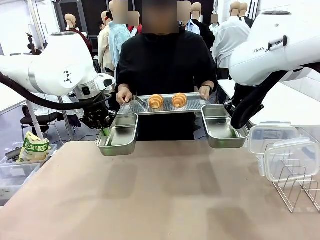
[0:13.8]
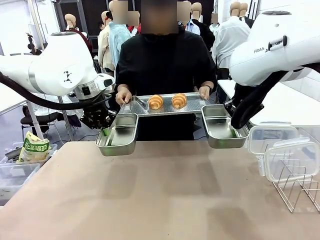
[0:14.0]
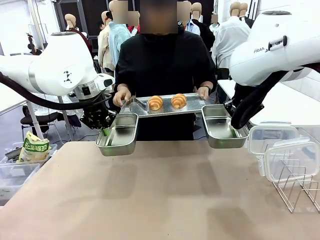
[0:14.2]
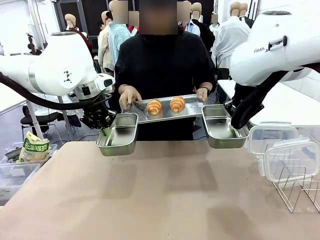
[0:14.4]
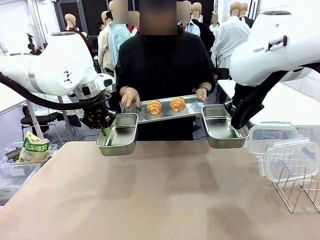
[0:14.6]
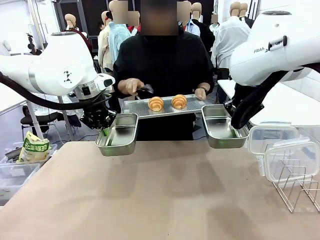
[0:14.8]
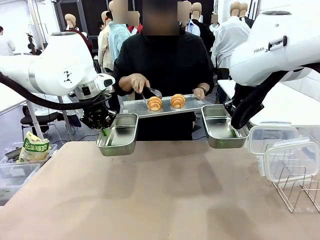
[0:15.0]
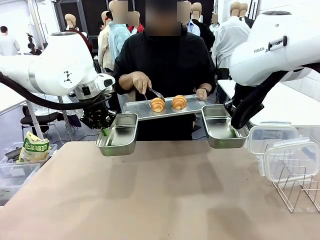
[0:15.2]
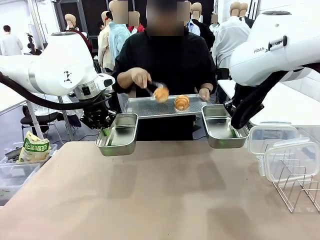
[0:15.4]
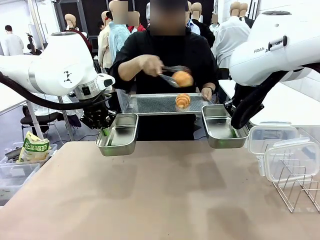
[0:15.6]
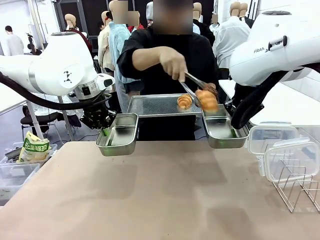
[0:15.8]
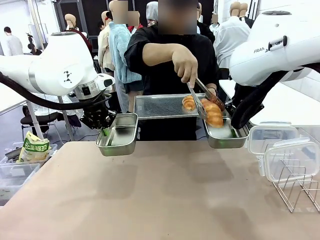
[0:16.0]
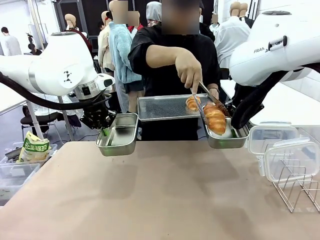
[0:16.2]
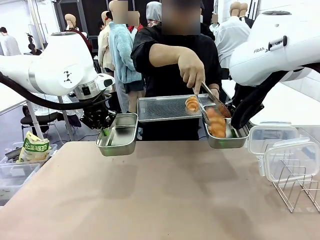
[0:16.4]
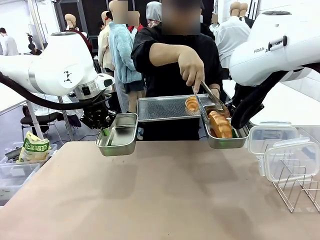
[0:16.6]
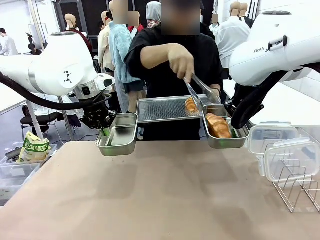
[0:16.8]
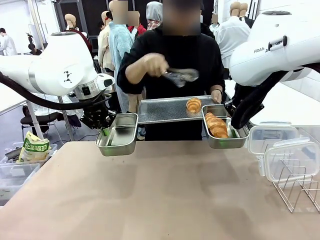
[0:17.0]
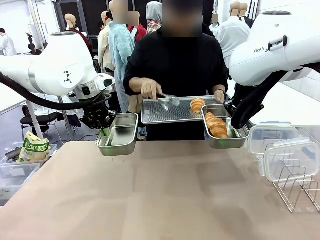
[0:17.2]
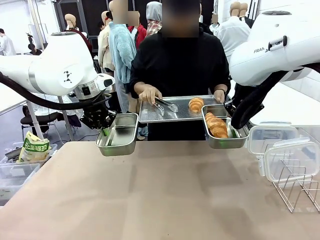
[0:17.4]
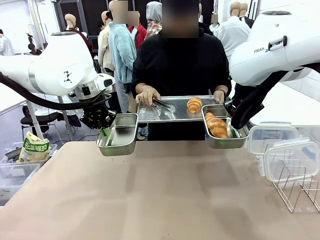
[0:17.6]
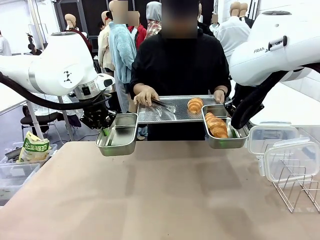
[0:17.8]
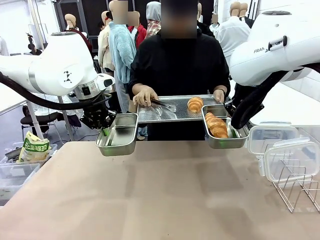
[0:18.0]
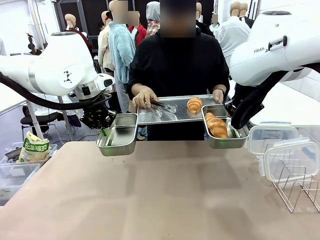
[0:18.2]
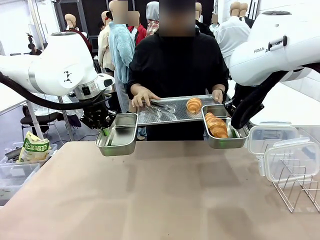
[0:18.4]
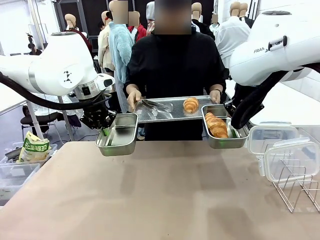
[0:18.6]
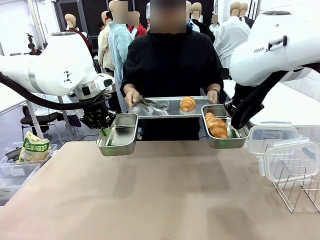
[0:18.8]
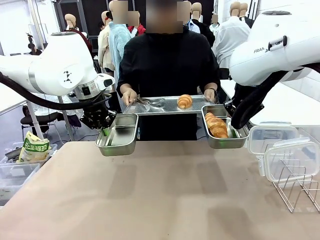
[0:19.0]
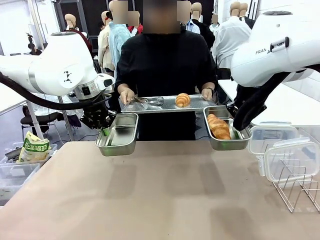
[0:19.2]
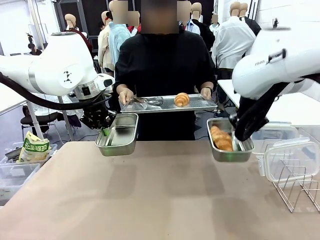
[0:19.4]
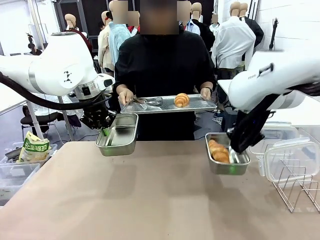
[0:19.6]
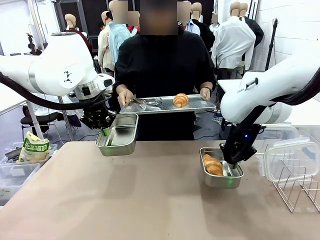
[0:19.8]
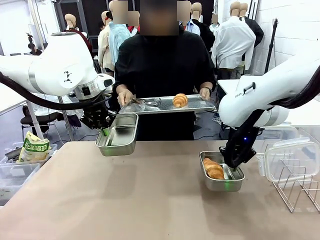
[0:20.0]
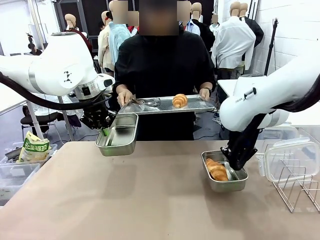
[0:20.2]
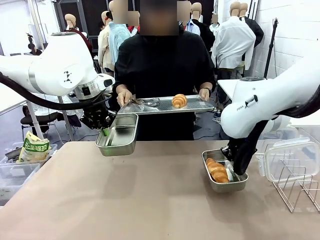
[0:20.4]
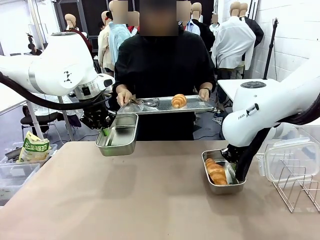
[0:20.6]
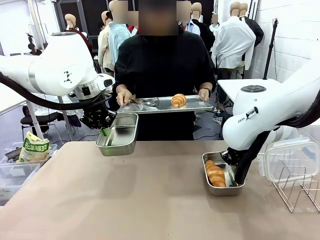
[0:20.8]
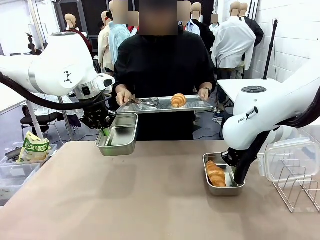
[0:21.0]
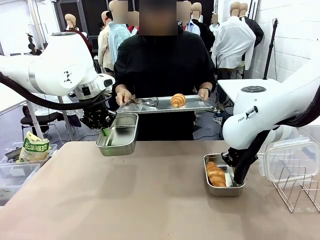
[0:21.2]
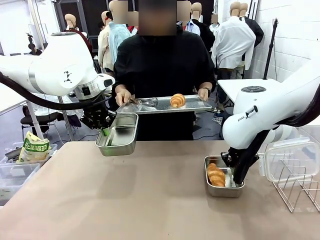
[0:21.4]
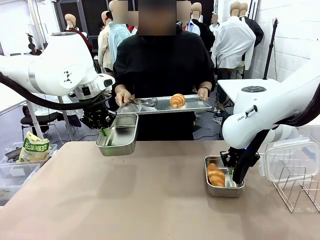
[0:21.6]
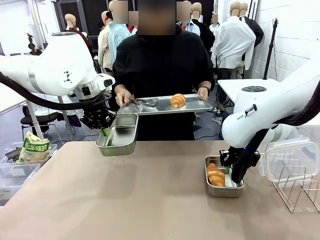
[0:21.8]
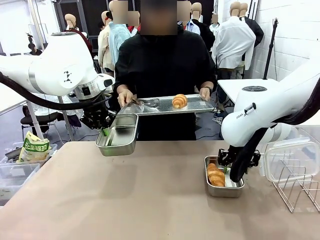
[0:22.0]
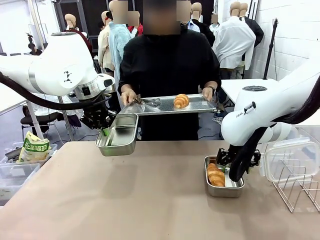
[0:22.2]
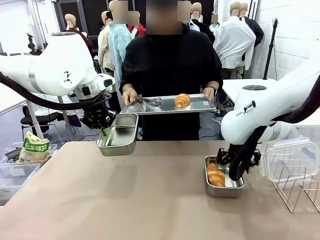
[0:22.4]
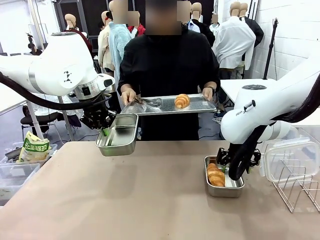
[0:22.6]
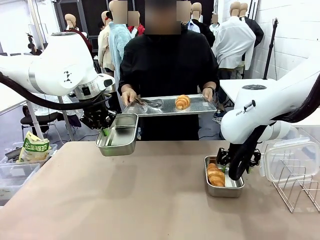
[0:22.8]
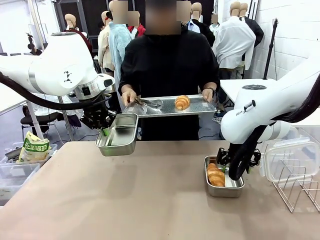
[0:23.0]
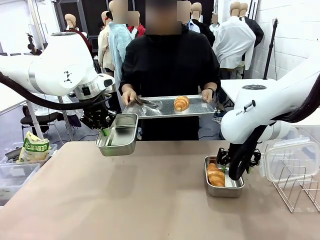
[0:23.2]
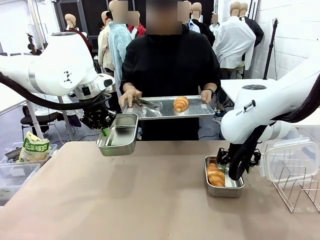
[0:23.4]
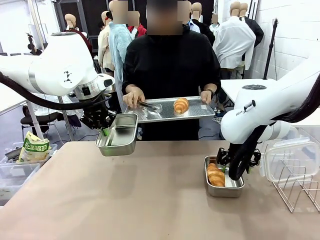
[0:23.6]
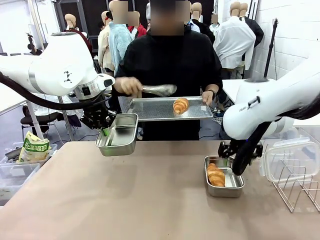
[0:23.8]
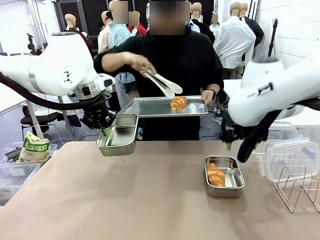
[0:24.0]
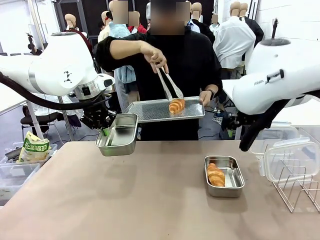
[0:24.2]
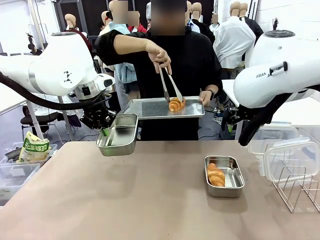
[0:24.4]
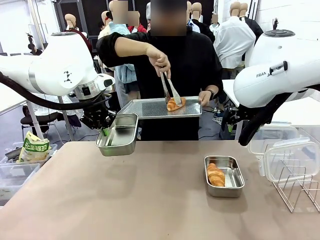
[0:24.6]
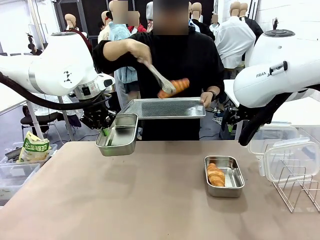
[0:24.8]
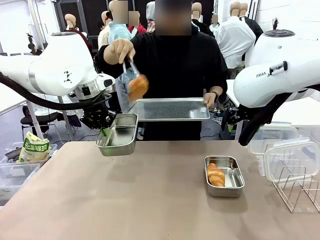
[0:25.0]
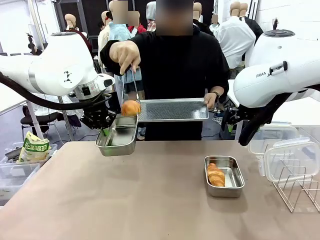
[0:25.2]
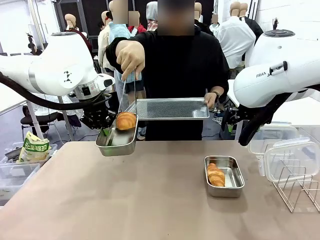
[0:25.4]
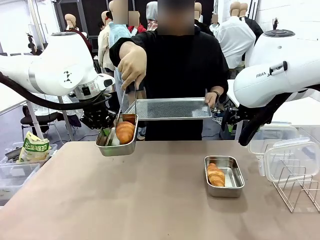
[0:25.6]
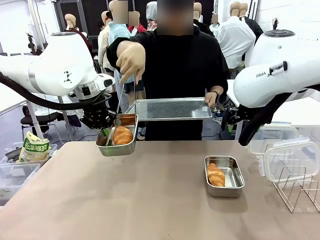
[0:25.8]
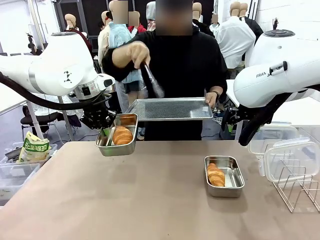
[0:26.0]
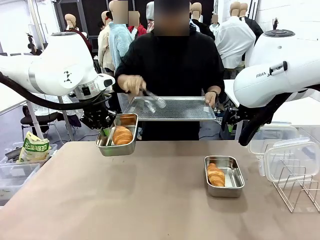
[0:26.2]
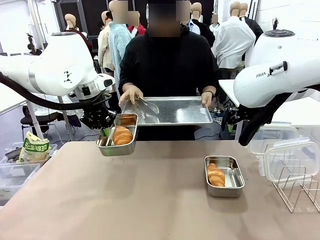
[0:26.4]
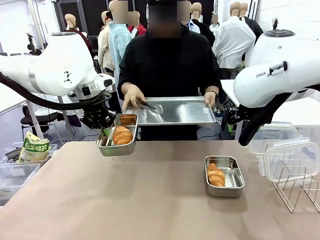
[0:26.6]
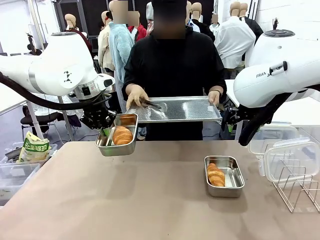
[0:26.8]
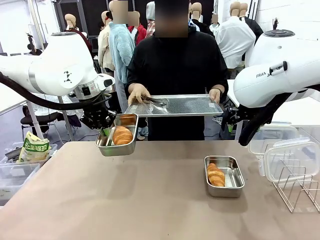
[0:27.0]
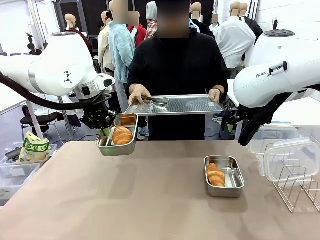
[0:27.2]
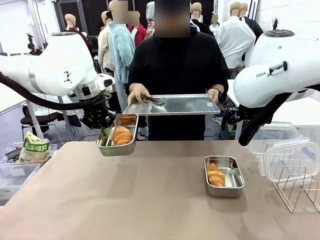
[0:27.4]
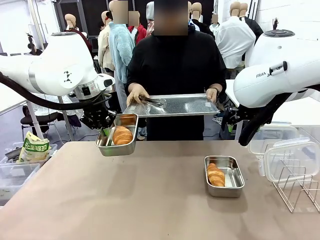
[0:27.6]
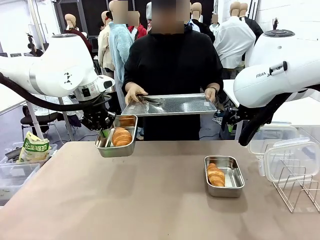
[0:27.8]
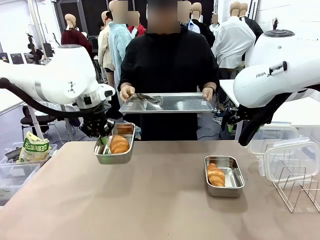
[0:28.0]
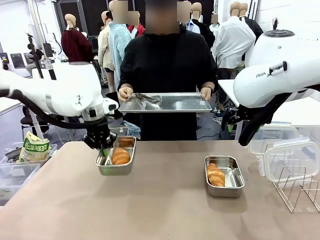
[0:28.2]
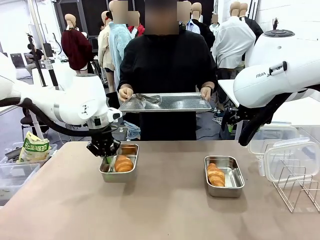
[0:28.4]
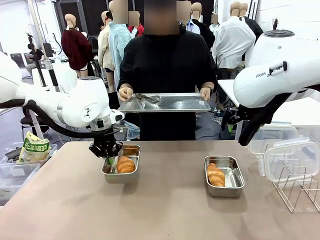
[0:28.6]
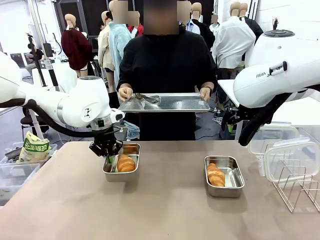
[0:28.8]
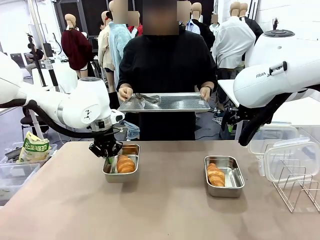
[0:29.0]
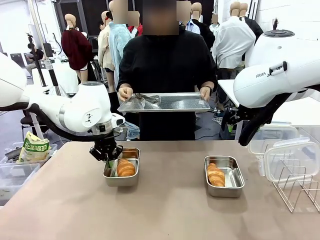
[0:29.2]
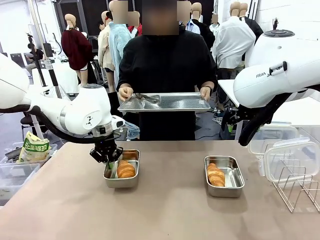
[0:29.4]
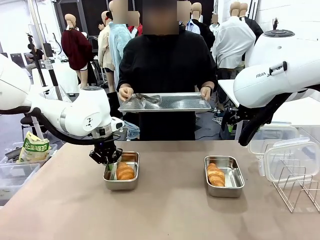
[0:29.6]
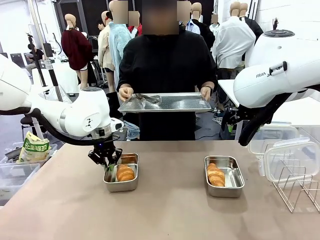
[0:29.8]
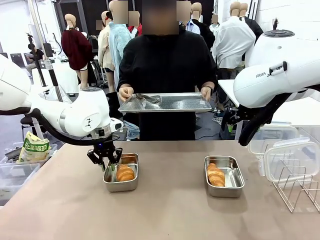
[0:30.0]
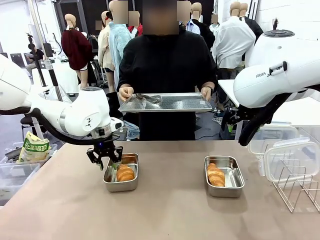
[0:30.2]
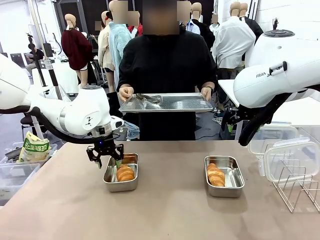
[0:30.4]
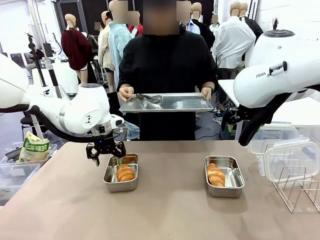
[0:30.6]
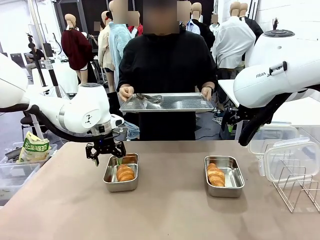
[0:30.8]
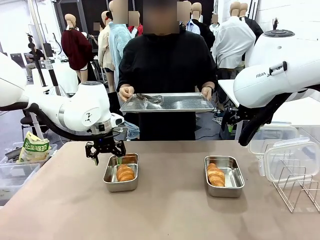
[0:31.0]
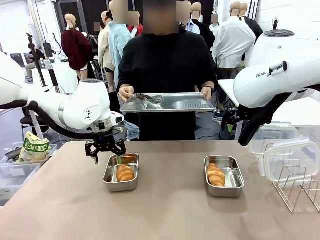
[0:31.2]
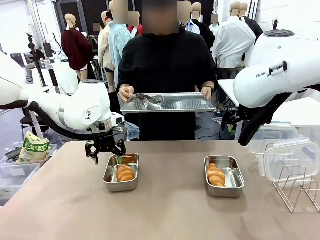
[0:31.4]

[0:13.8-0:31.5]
Task: Place the bread in airtight containers.
Robot: Once an object is inside an Airtight Container , place the container in the center of the table.
Person: Use the Stainless steel tongs to place one object from Baking Sheet into one Airtight Container. Place Baking Sheet on the Human's Table.
